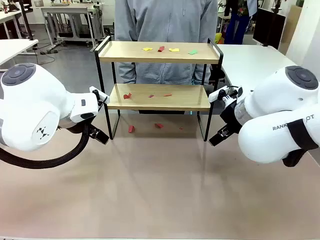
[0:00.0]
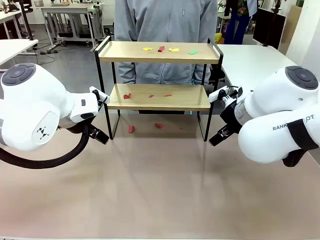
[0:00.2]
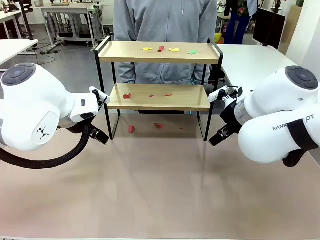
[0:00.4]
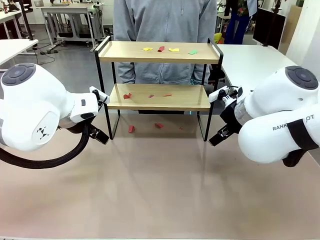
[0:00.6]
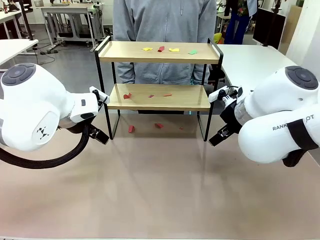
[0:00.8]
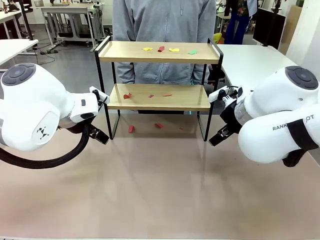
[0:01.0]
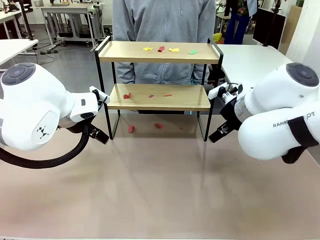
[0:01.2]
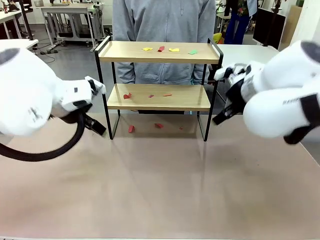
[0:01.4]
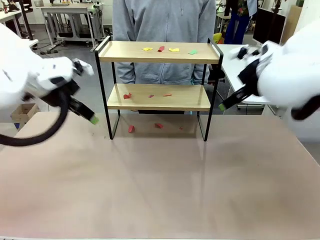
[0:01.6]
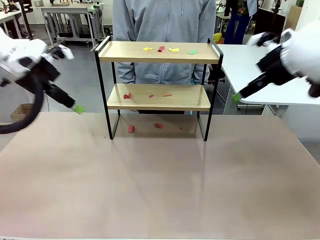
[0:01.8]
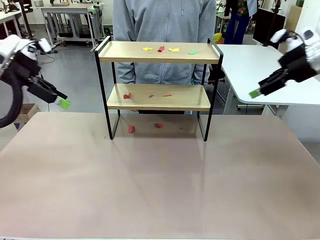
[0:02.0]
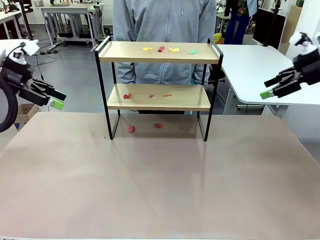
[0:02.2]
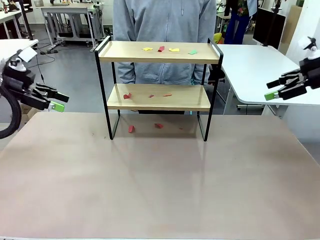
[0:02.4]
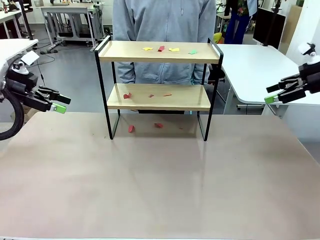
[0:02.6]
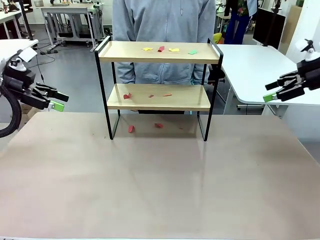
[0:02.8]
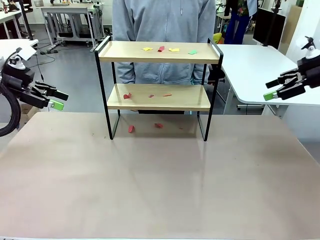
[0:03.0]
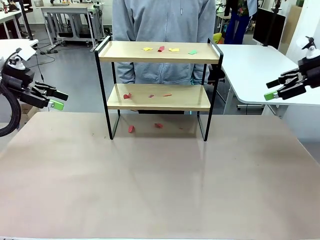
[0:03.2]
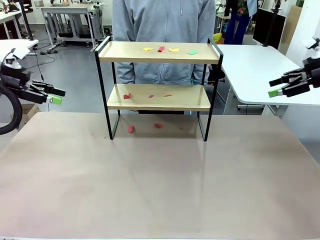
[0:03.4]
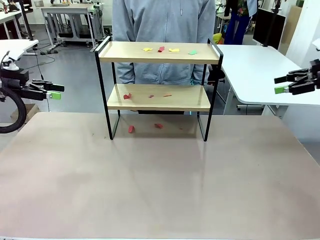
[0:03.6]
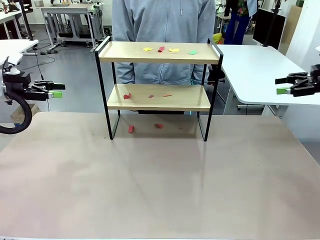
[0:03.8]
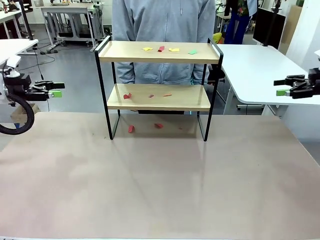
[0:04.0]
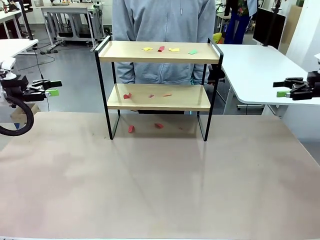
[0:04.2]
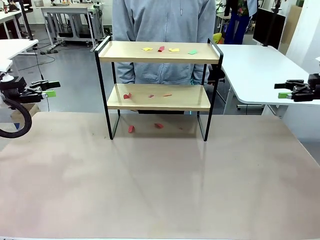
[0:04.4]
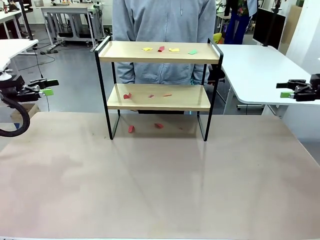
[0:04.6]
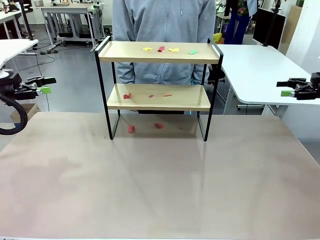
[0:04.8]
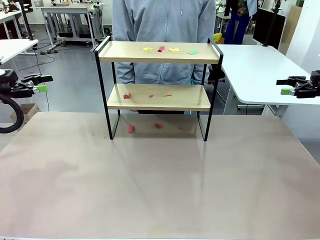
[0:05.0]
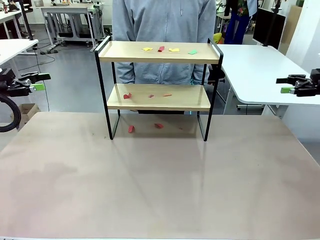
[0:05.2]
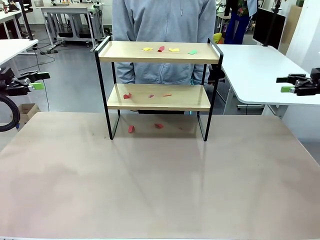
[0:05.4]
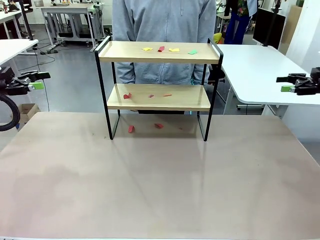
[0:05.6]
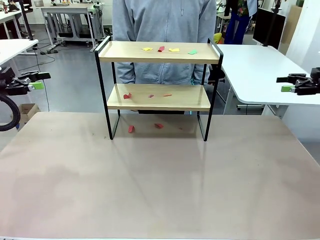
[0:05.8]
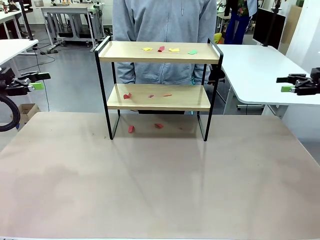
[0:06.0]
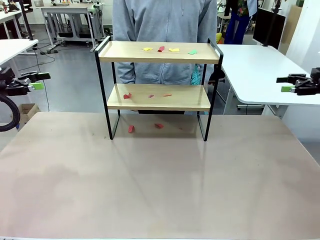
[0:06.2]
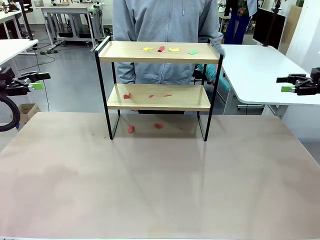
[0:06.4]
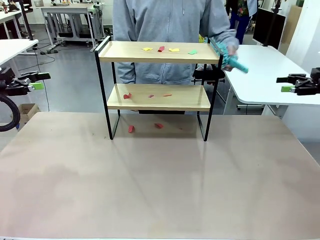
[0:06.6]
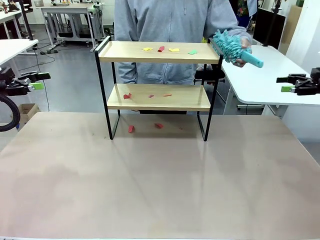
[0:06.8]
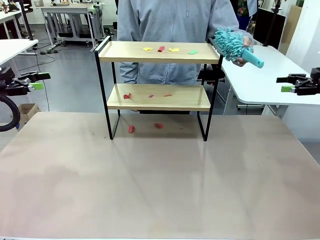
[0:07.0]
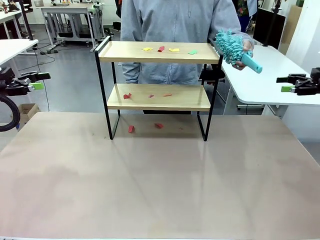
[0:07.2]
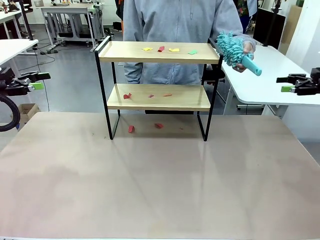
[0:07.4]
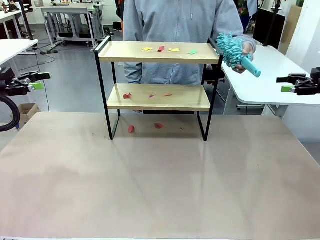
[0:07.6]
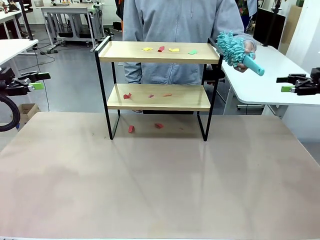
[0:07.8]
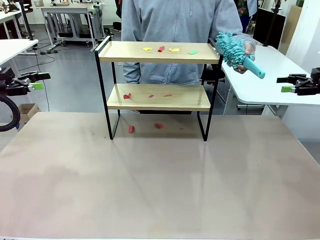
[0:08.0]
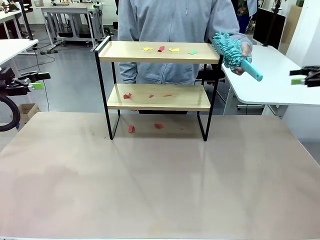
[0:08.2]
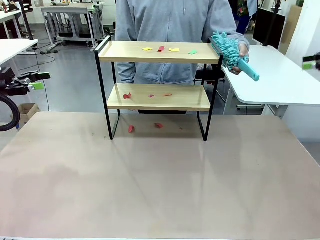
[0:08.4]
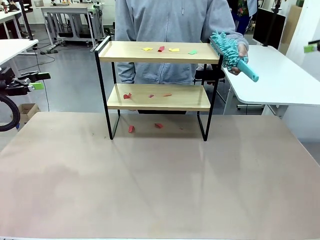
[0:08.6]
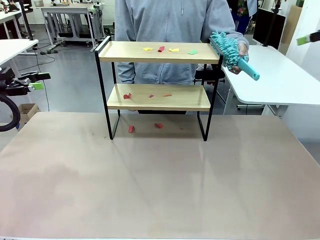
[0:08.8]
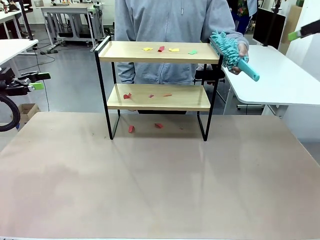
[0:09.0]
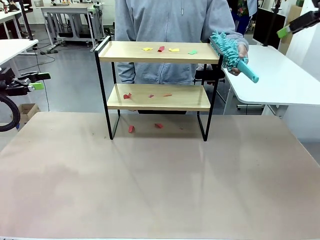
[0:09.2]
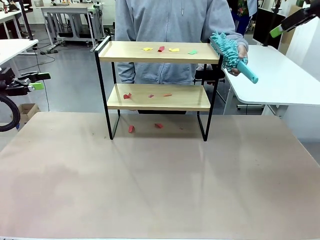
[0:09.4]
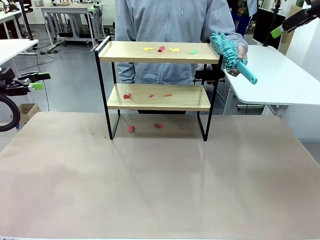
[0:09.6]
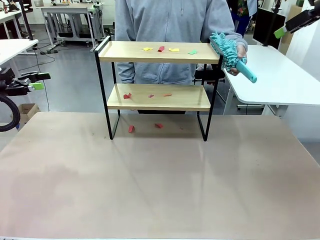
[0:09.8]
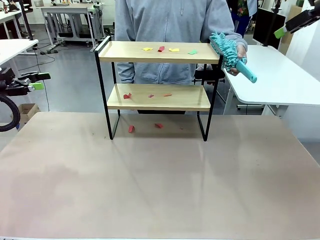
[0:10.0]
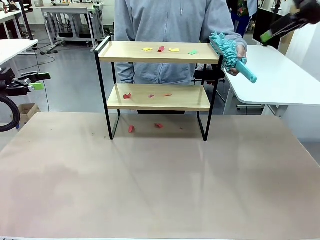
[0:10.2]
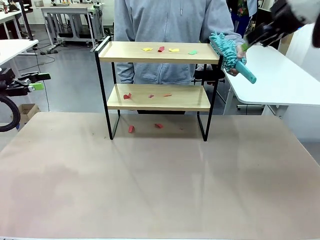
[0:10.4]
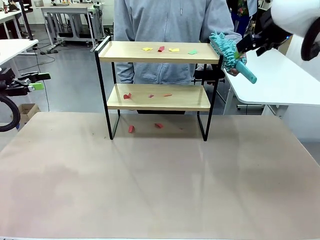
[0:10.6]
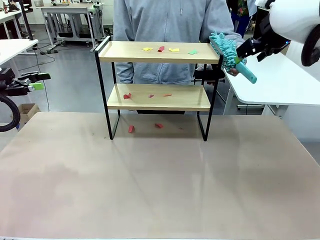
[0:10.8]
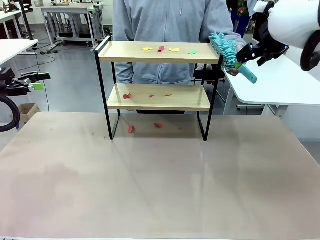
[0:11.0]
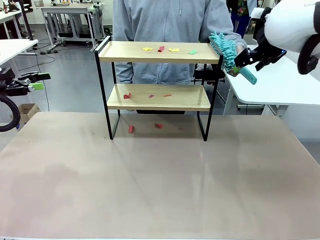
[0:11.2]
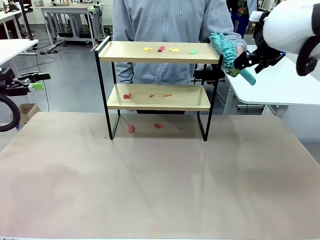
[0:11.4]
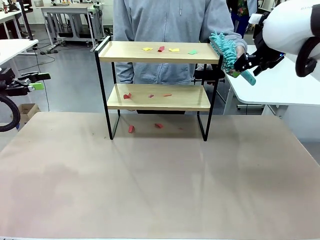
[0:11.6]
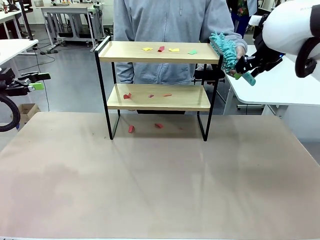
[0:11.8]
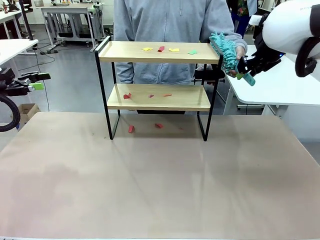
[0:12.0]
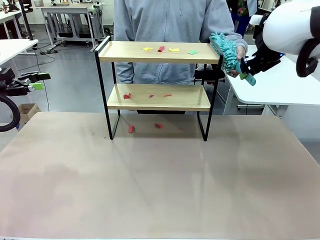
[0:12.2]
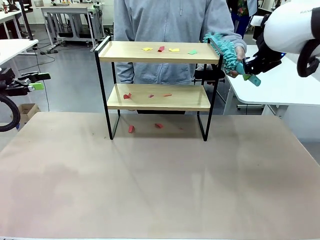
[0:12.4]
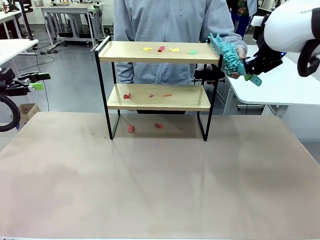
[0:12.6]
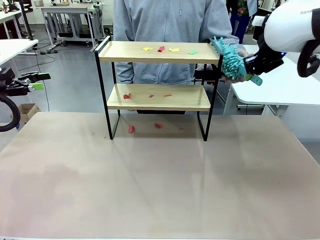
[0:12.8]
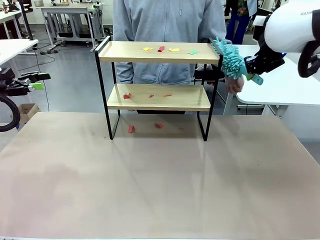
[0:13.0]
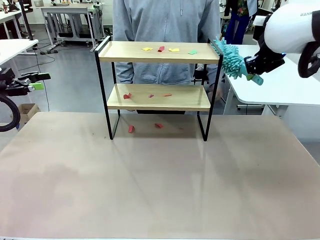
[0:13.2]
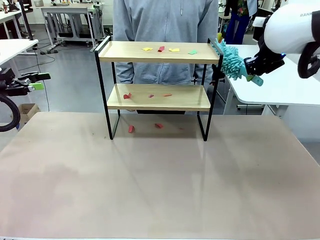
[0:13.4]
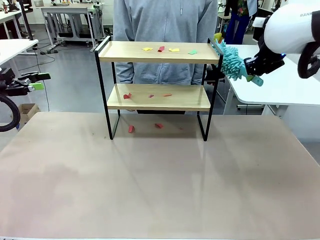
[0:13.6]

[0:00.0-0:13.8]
Task: Clean the shelf.
Robot: Pick up the Duster handed by the human.
Person: Hand the Duster to the robot.
